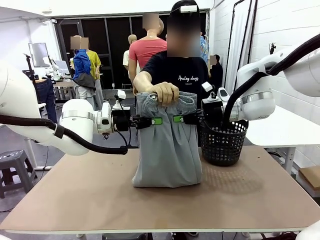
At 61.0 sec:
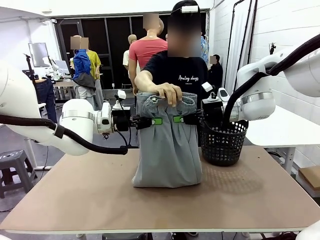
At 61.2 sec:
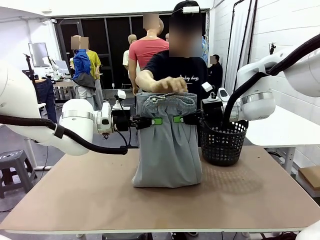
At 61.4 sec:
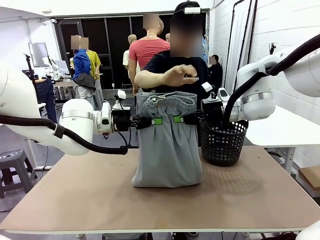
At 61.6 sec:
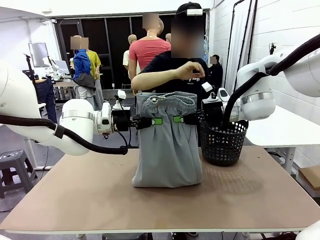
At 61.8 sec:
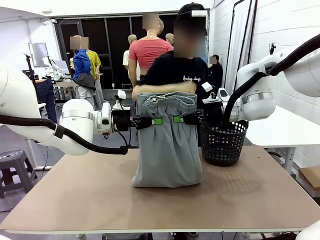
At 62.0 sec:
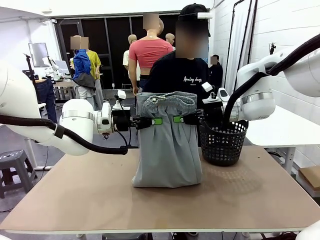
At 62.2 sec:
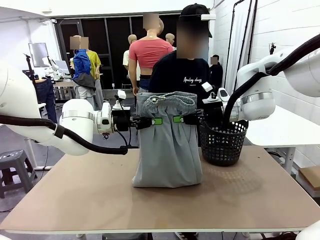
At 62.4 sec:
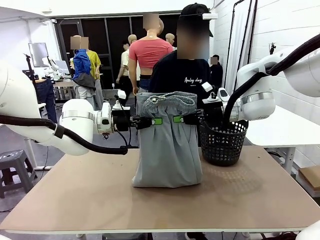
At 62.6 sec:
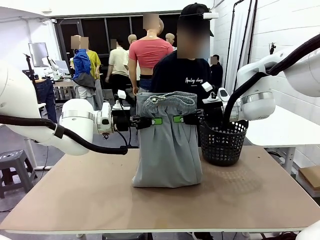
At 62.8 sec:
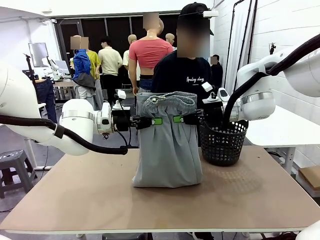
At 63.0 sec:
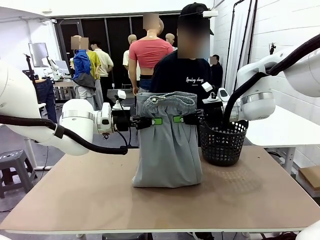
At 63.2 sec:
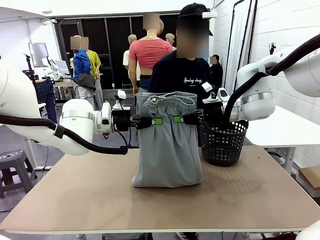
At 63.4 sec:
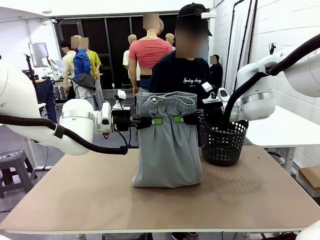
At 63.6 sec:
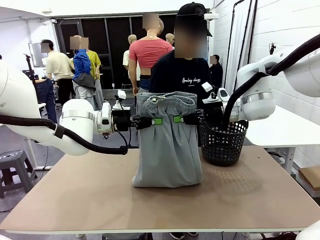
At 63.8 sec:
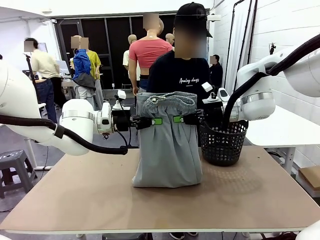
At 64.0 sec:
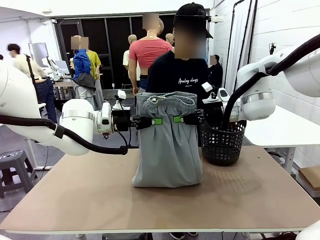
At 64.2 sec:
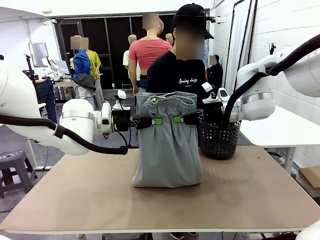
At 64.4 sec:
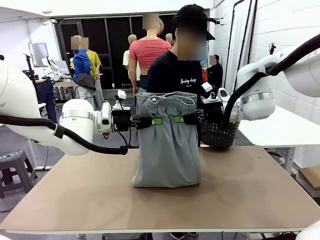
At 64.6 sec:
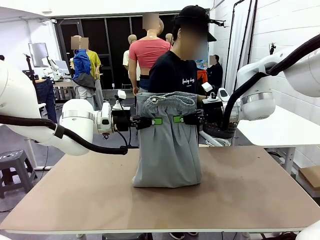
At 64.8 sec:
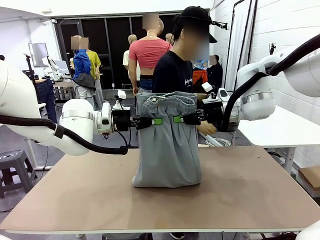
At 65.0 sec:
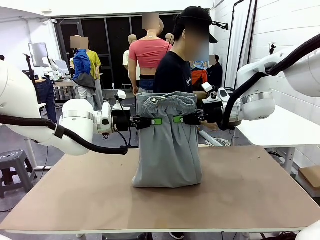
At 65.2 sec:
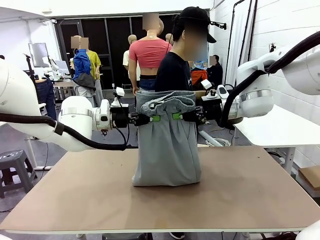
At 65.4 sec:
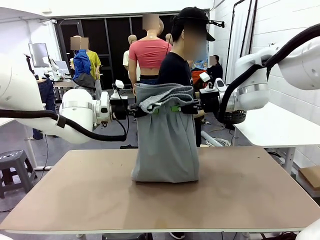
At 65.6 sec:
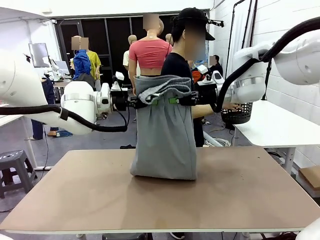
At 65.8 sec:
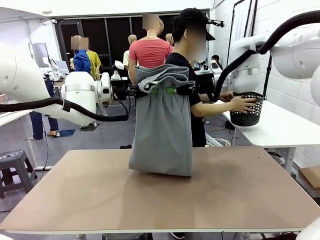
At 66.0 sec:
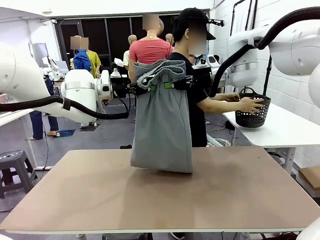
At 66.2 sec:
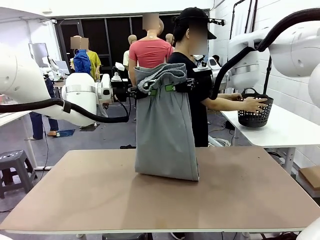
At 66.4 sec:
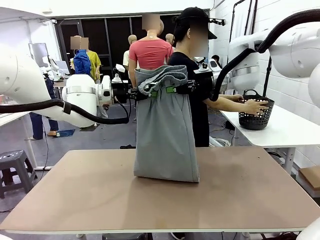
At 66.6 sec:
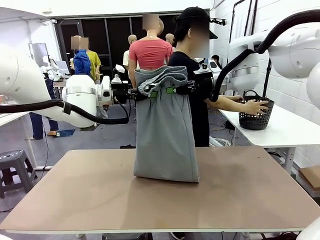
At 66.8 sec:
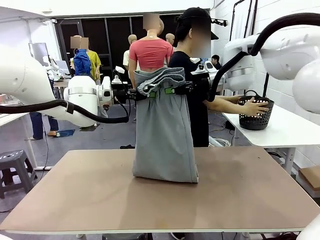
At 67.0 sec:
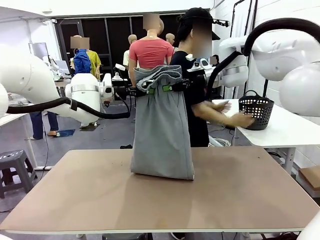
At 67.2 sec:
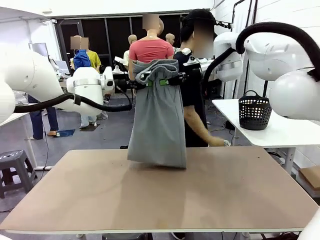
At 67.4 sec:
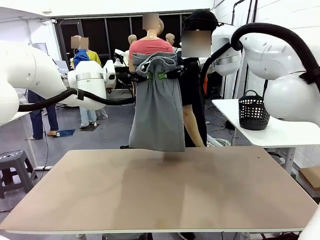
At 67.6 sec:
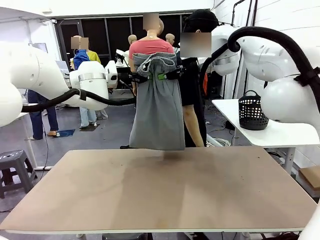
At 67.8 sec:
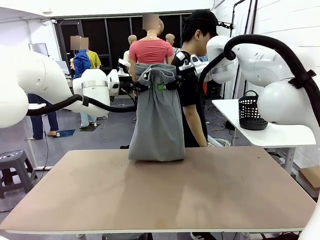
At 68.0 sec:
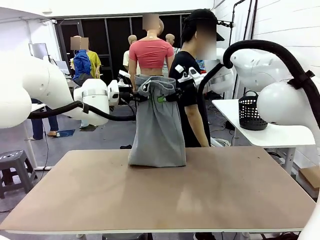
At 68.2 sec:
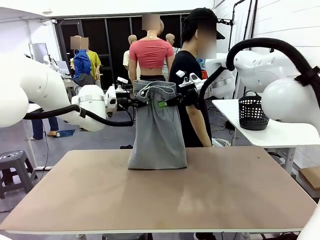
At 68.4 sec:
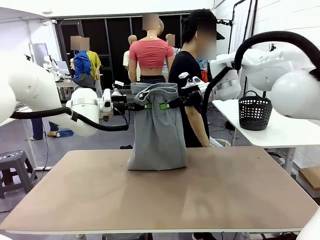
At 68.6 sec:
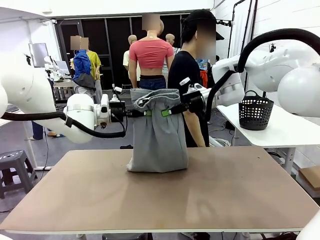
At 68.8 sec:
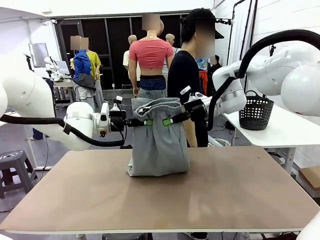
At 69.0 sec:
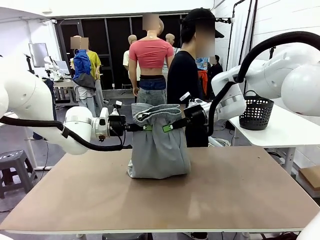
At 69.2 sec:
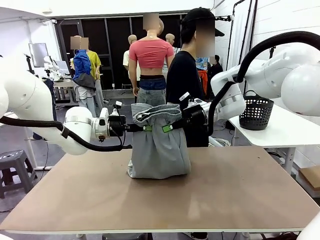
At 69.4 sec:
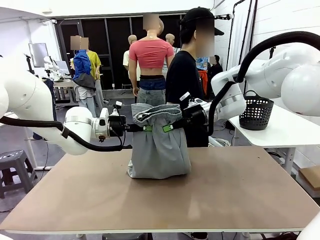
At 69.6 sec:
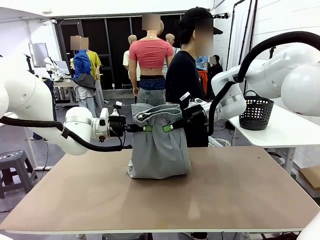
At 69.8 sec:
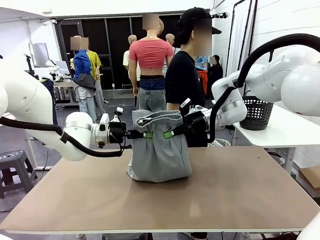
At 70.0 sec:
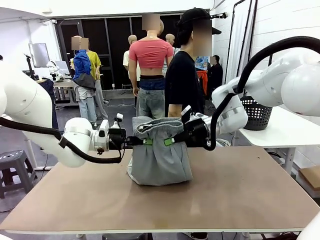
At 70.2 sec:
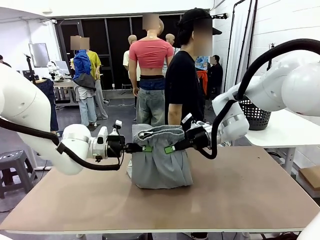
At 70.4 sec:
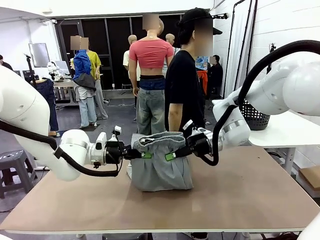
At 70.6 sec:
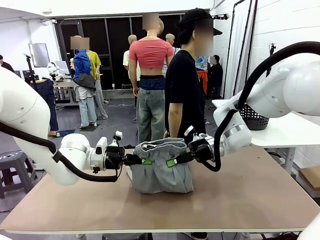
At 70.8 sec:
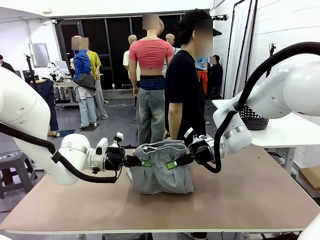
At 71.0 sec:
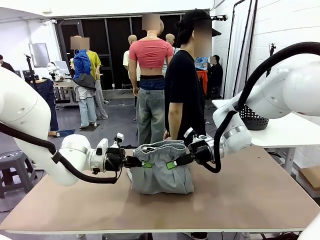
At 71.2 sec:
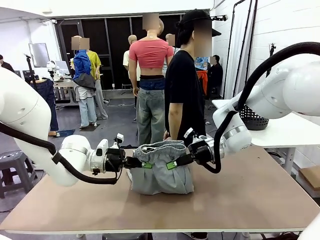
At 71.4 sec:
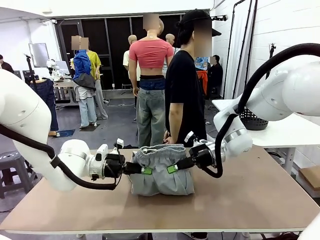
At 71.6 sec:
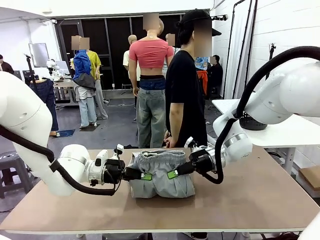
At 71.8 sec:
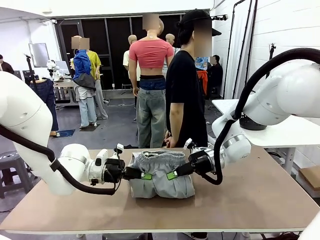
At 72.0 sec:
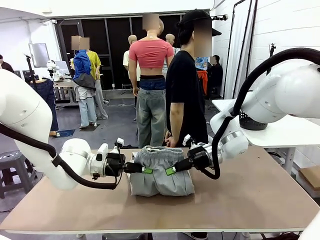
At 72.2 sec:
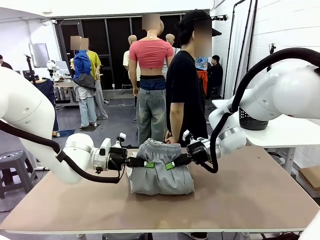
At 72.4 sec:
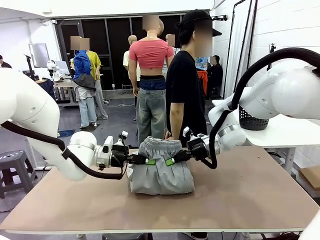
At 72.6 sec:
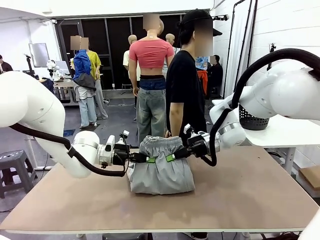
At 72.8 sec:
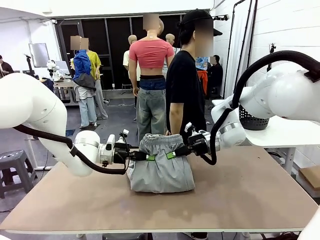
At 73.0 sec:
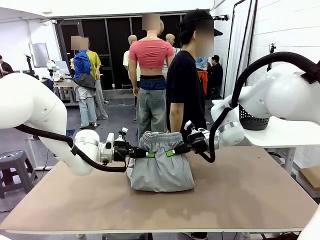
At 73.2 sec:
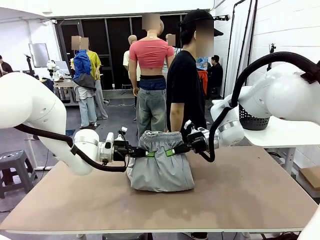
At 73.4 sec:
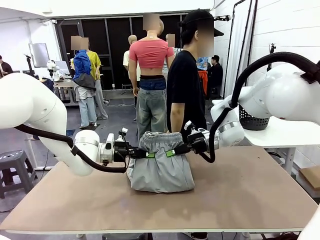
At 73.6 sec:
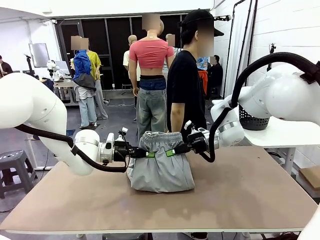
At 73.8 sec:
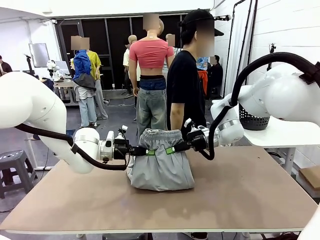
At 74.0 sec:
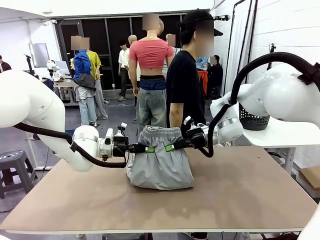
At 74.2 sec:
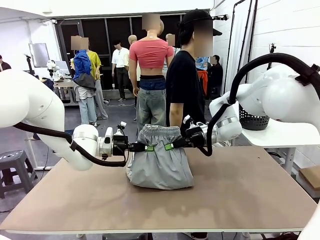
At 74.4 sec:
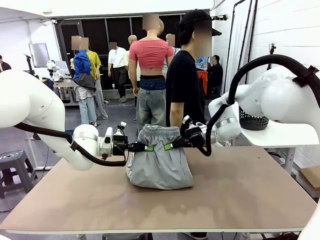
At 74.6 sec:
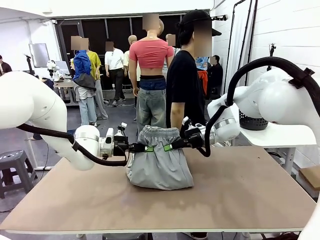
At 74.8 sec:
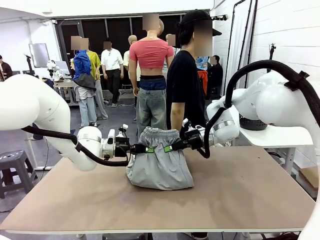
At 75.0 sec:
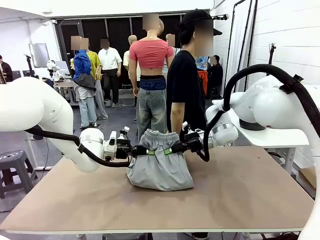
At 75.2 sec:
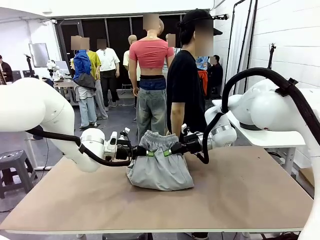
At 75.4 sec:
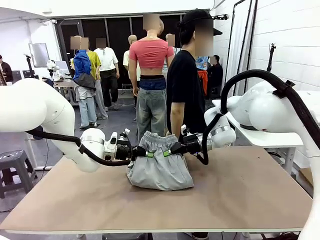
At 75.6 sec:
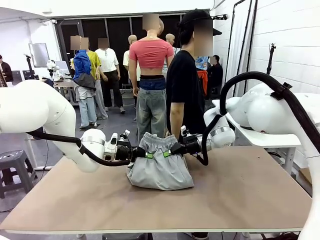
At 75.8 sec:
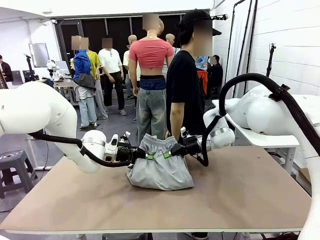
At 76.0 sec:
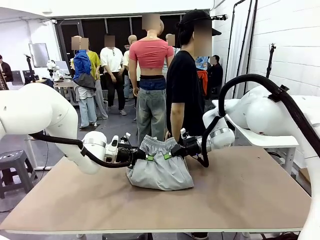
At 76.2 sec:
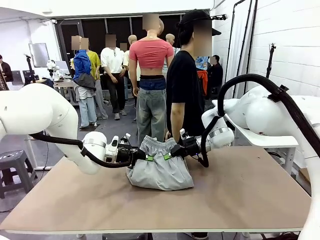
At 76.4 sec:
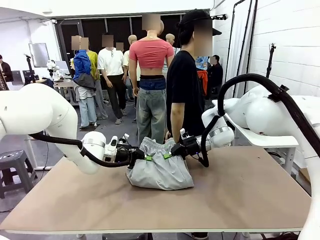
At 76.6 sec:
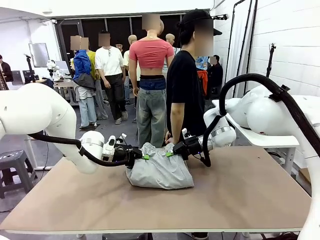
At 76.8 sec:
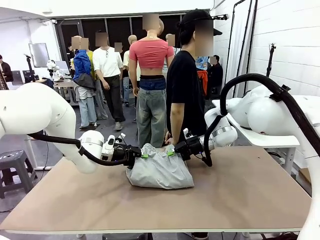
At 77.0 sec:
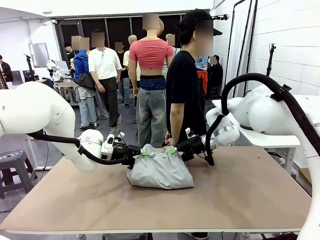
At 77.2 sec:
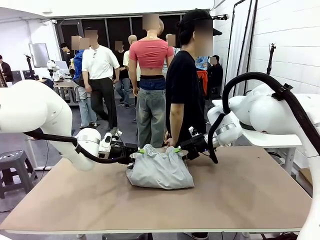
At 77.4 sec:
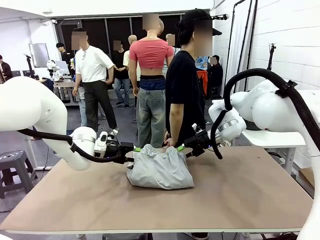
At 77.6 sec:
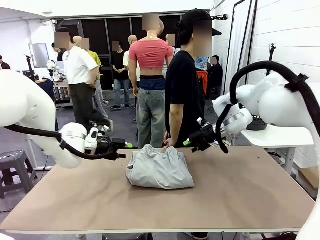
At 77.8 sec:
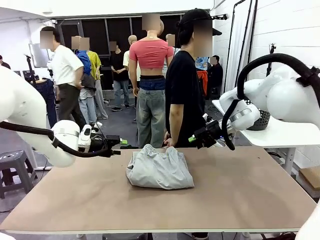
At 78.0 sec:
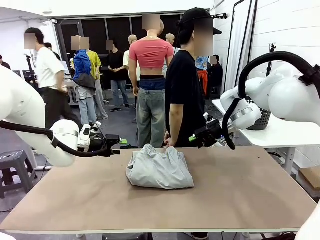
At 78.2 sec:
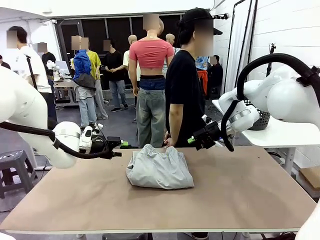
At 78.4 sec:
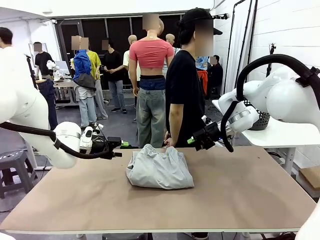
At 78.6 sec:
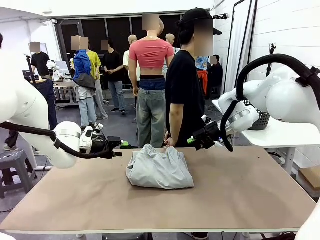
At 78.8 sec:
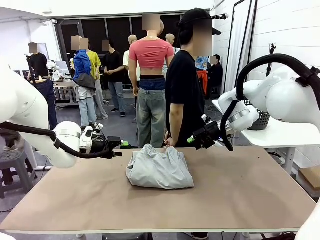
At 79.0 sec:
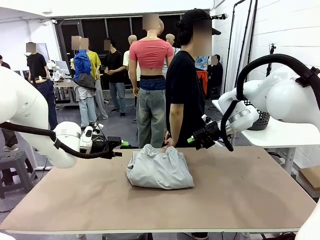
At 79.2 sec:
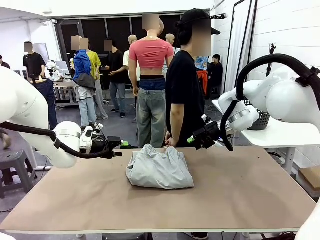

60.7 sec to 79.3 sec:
Task: Fold the training pants.
Robot: Fold the Training pants in half.
Person: Move the laundry basket to the right of the human table.
